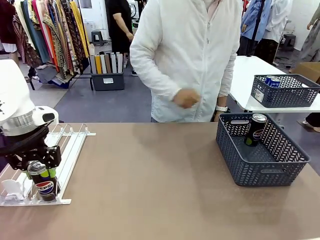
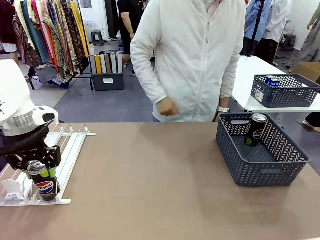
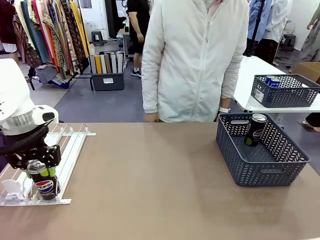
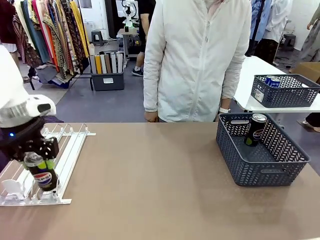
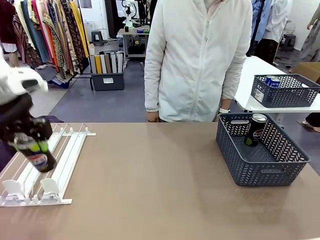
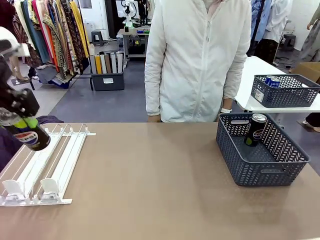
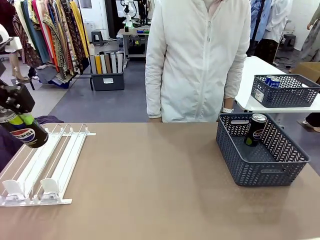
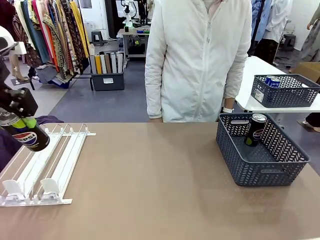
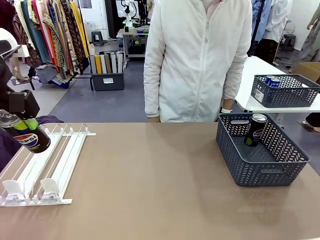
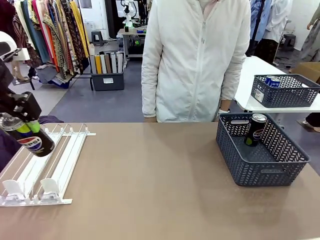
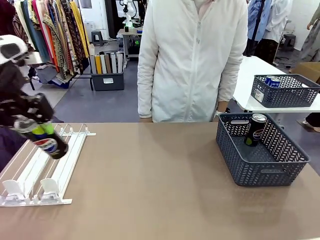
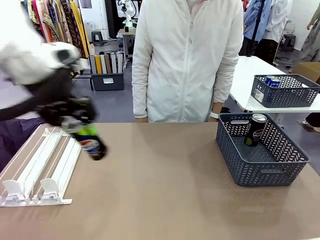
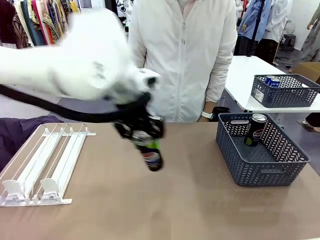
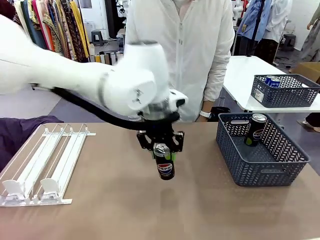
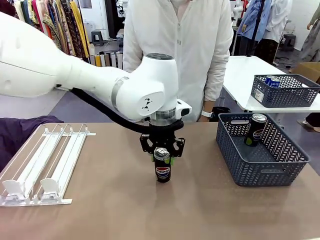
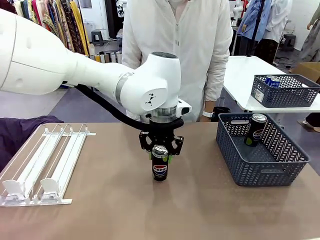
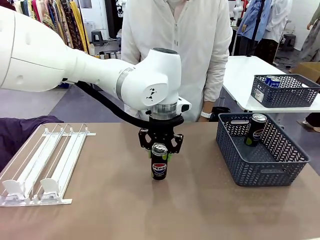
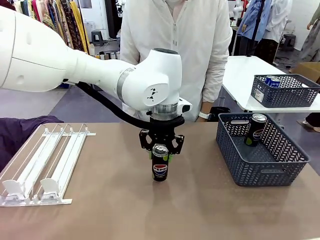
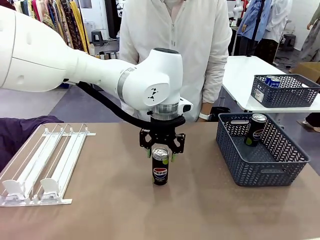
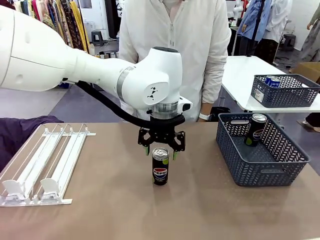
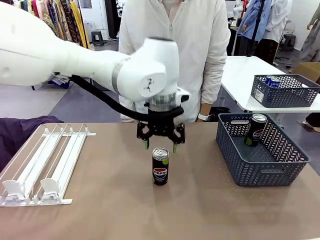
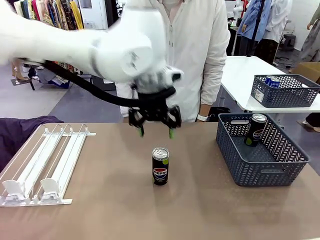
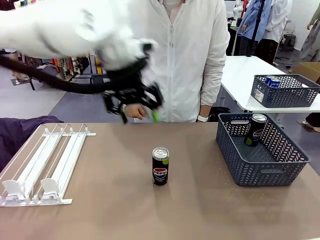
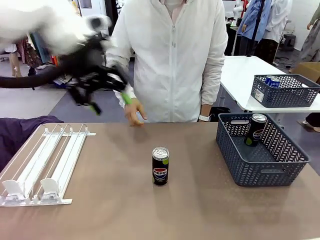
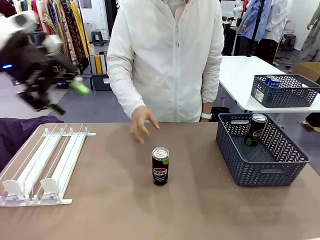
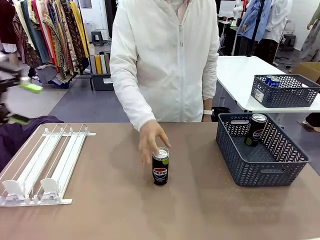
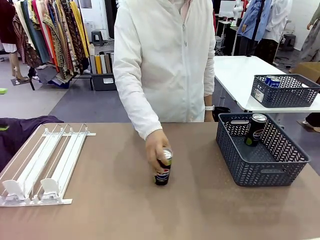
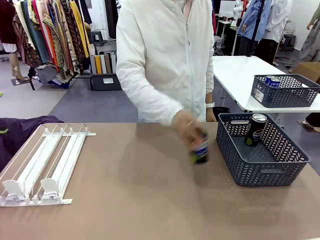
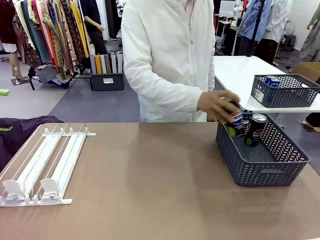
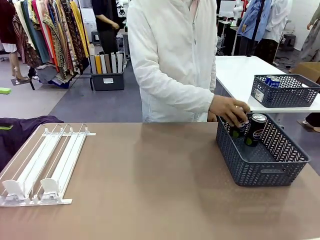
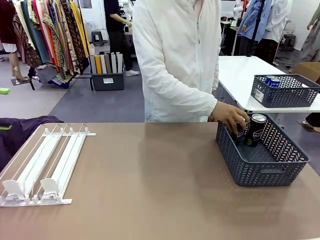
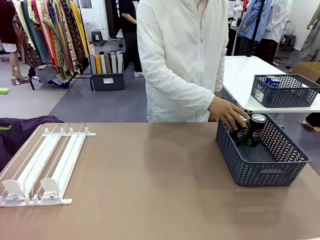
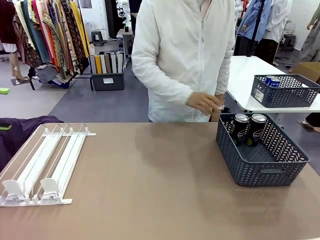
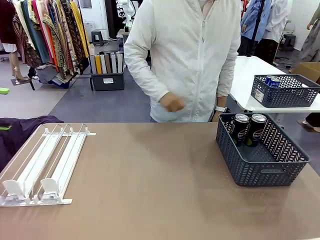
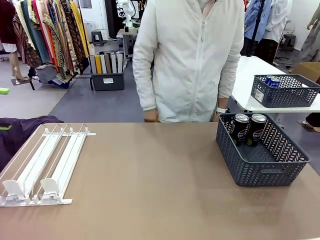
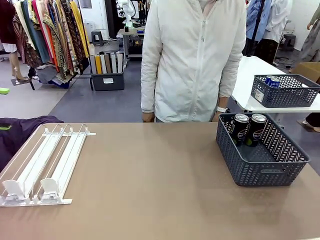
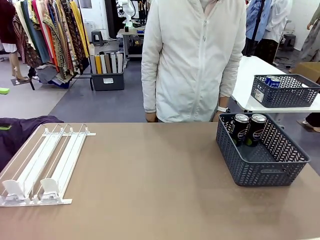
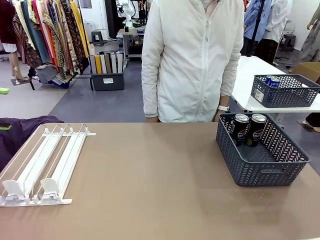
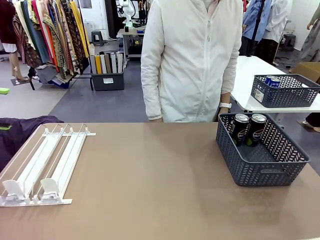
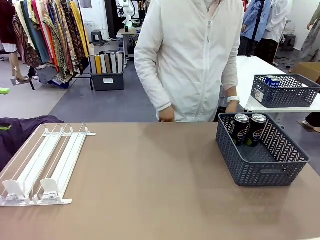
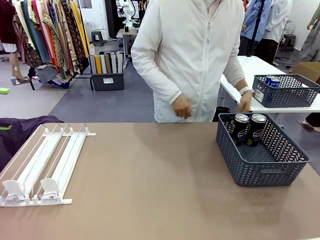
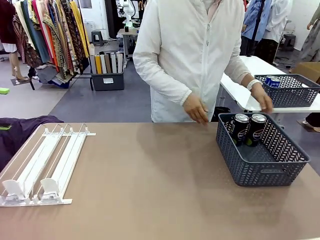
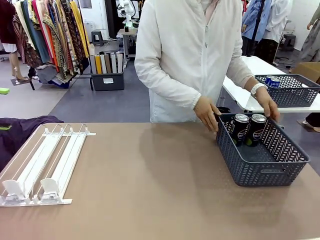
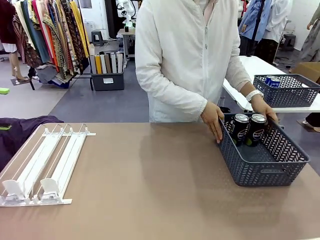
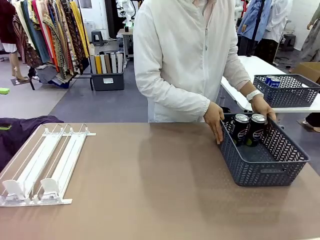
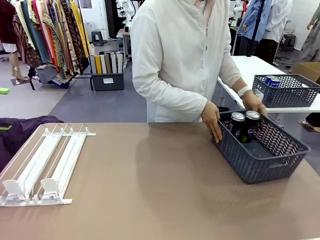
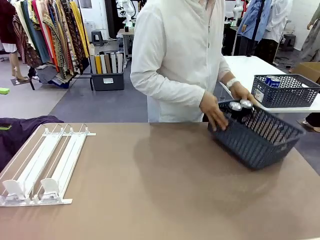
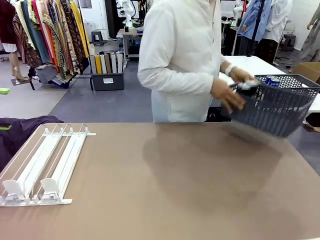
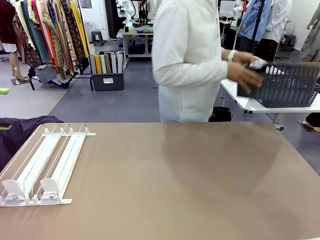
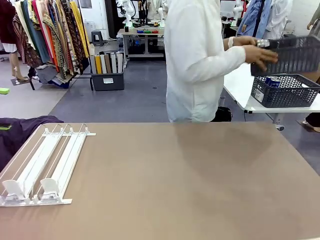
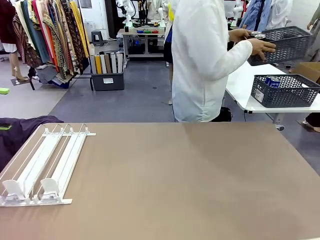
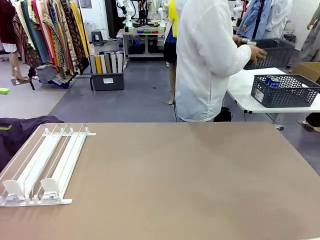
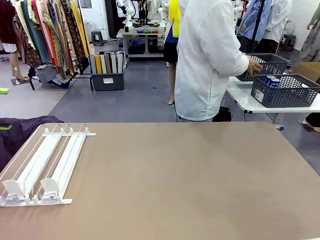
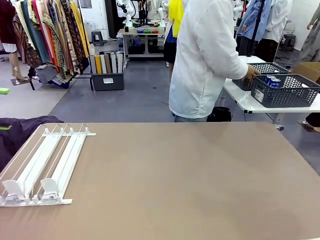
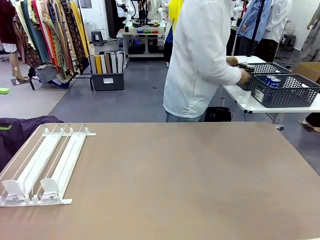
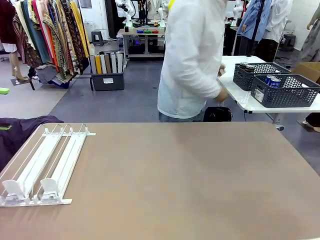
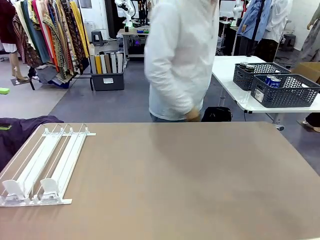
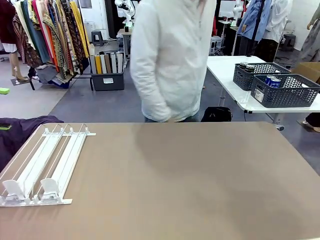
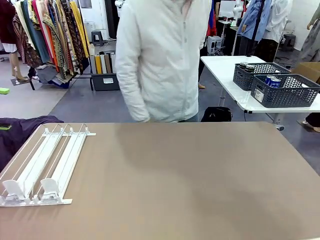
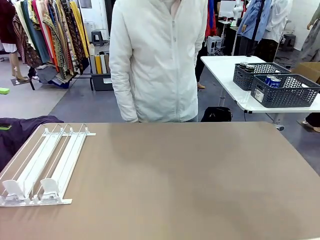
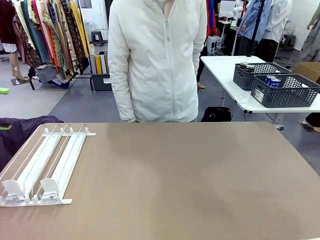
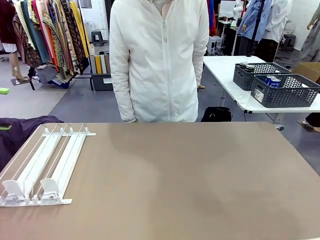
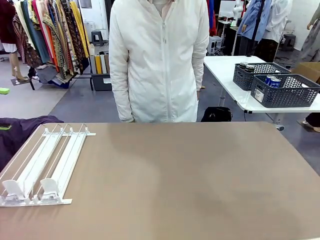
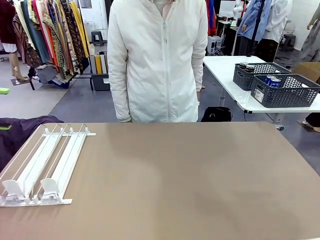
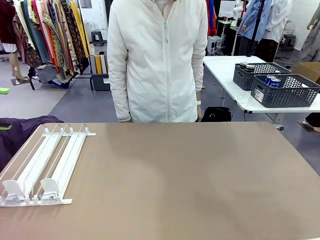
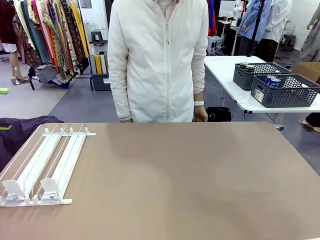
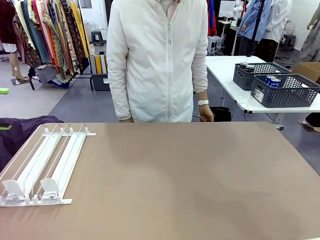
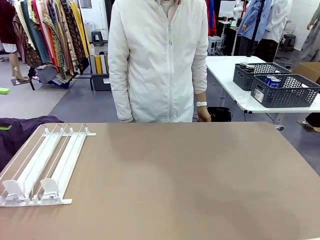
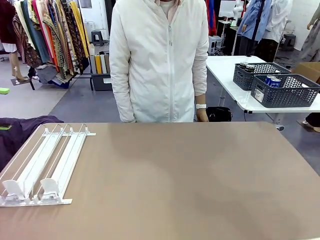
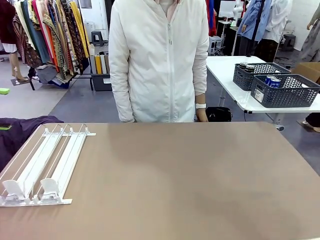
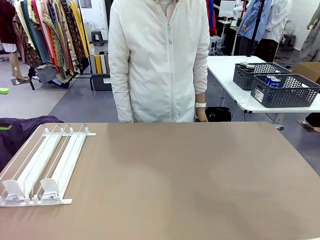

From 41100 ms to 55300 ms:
Task: Retrieve and store the cans from the dispenser.
Robot: Pick up one can from the Automatic Can Dispenser and place it in the middle of the table.
Person: Pick up one sports drink can from the middle of the robot table and place it in the basket. Pick up the basket and place it in the middle of the human table.

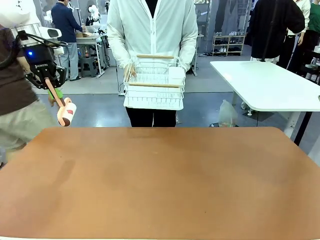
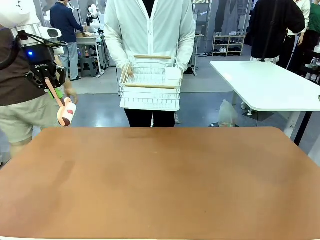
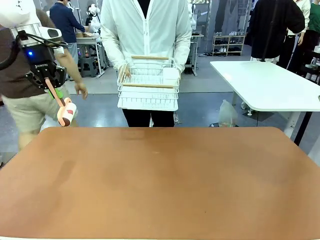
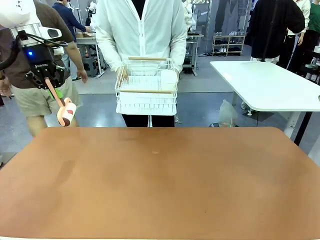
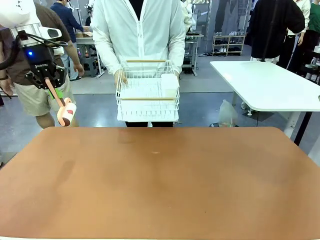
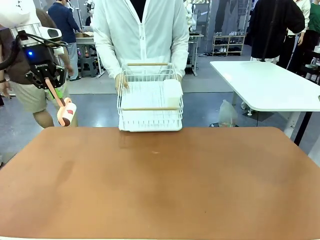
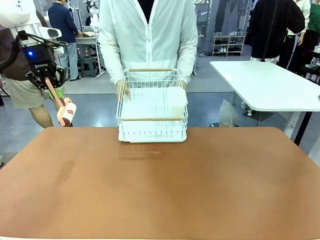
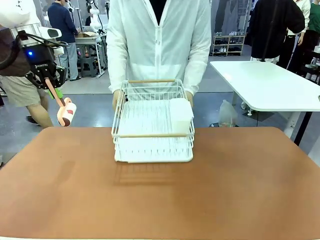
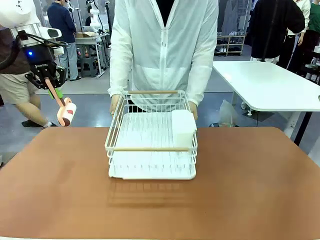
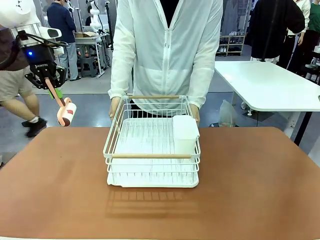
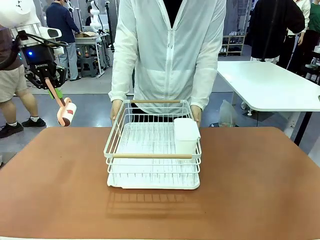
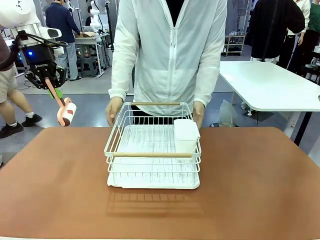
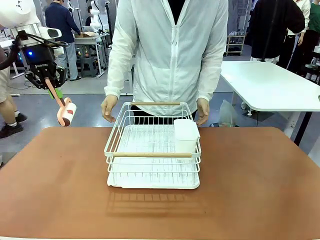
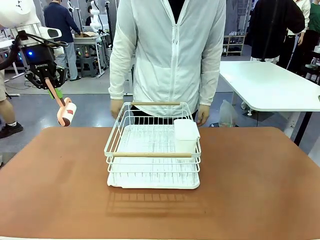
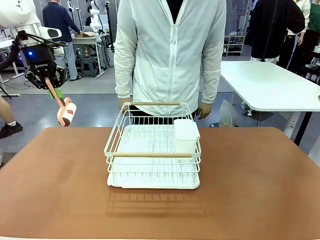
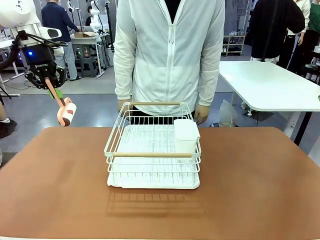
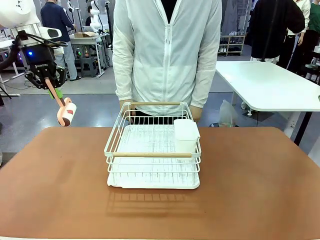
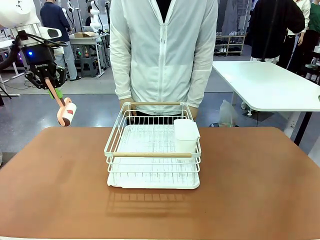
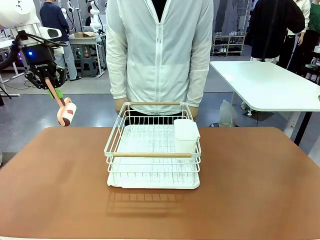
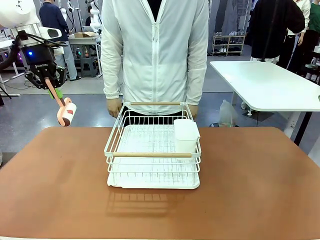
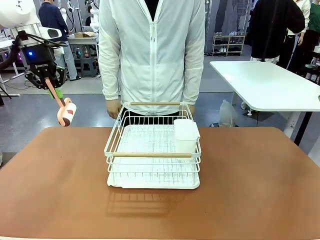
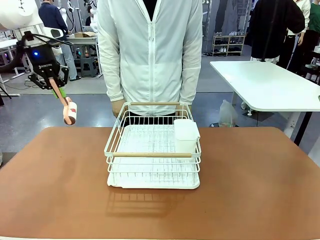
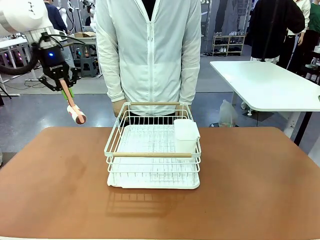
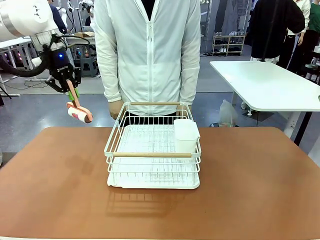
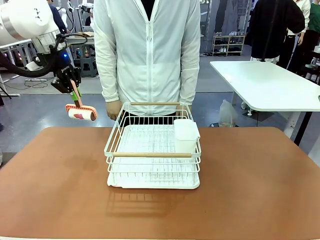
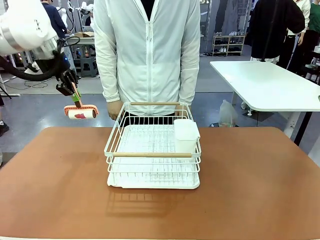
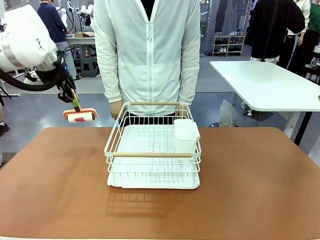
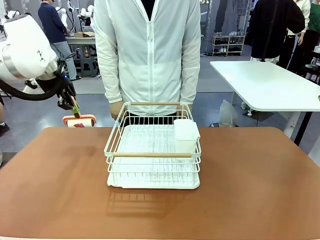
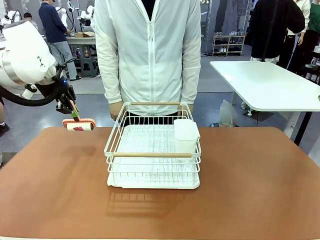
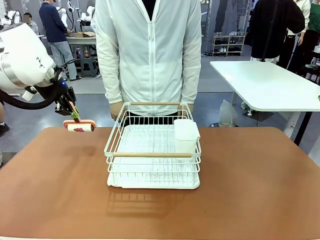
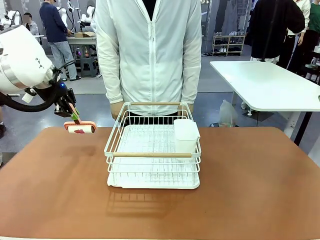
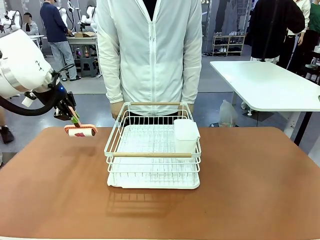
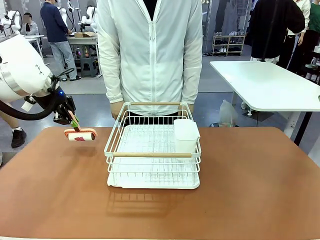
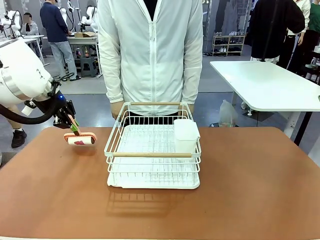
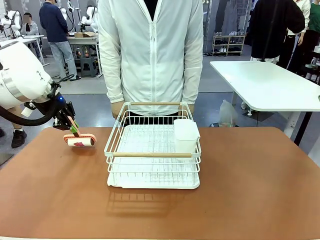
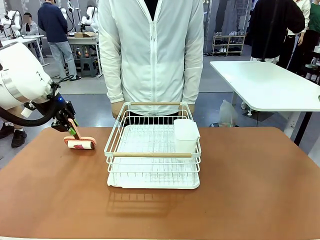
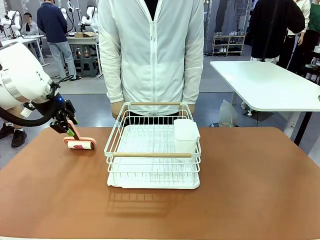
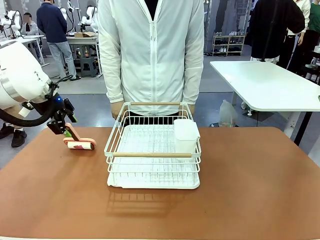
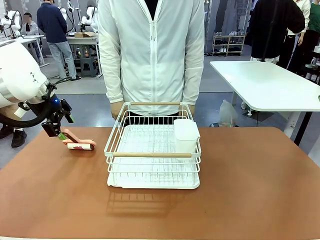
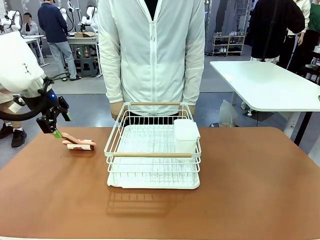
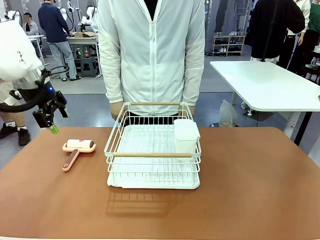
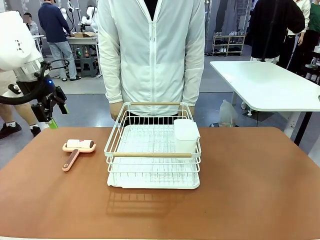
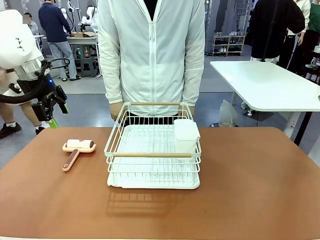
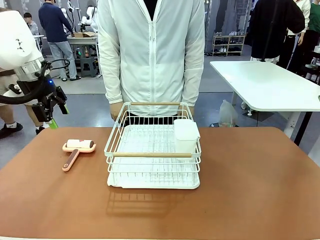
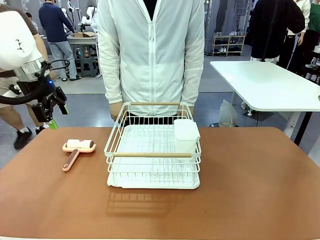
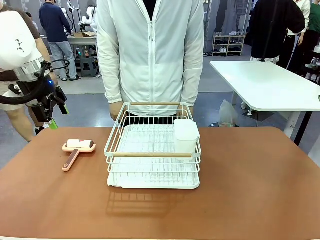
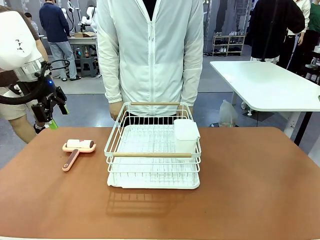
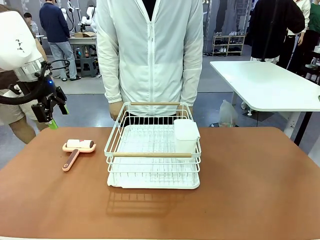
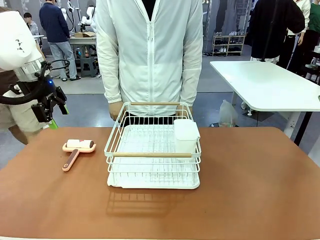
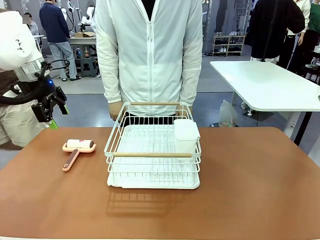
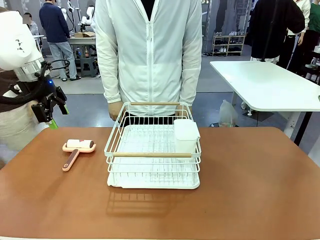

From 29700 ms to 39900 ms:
Task: Clean the table.
Robot: Place the Lint Roller down when the Dish drying rack is positioned in the middle of the table.
